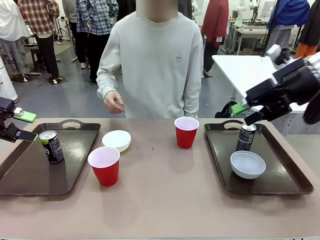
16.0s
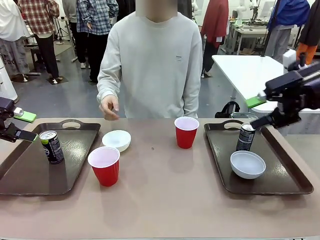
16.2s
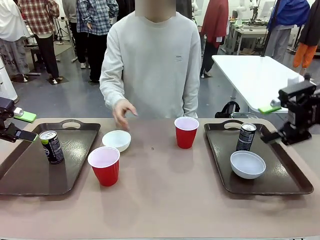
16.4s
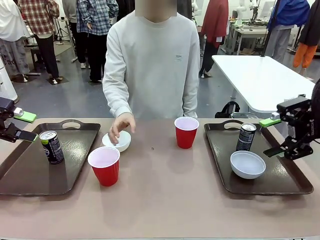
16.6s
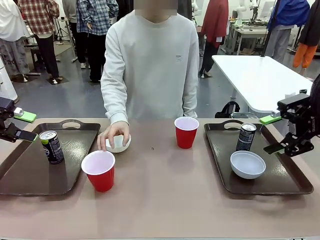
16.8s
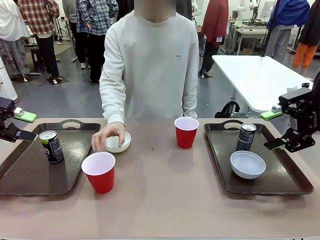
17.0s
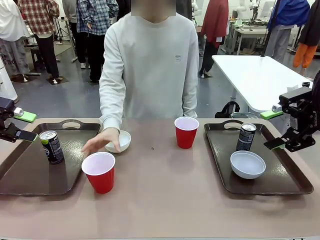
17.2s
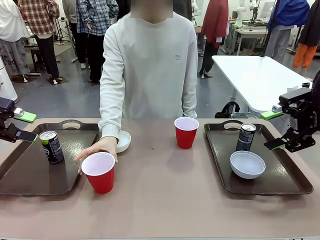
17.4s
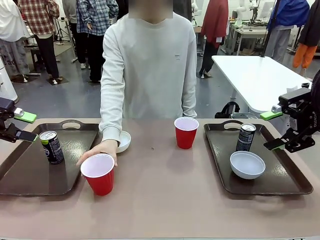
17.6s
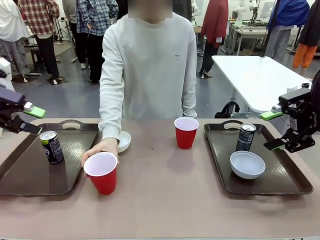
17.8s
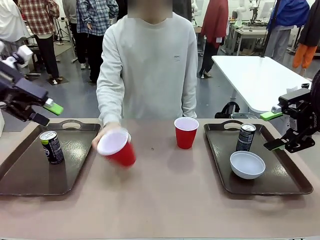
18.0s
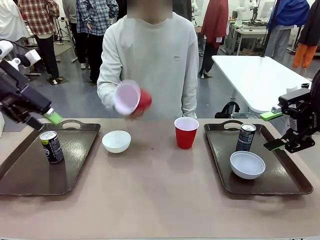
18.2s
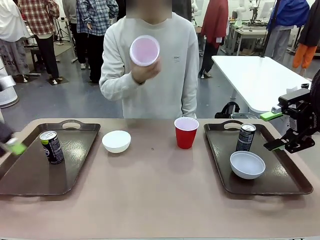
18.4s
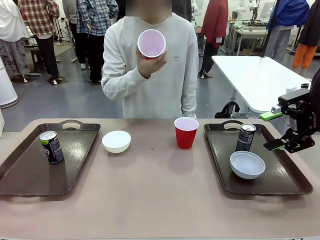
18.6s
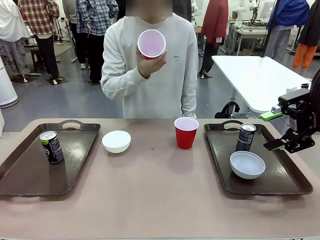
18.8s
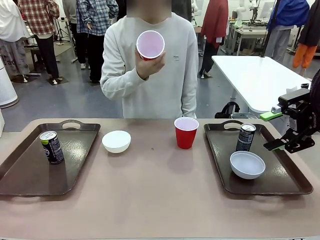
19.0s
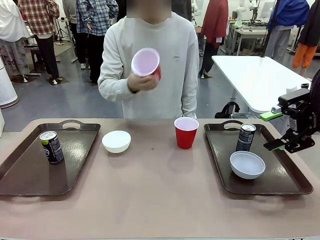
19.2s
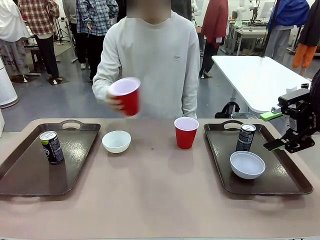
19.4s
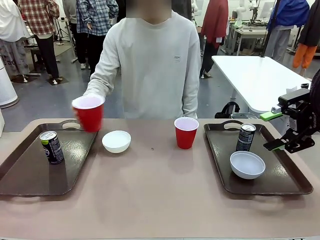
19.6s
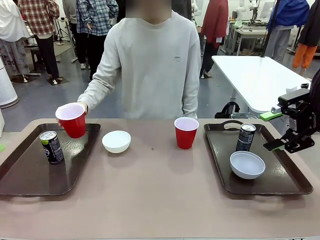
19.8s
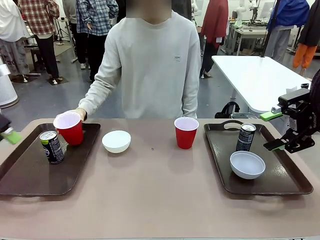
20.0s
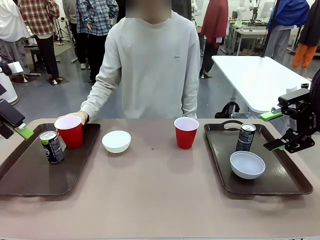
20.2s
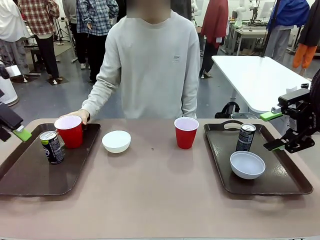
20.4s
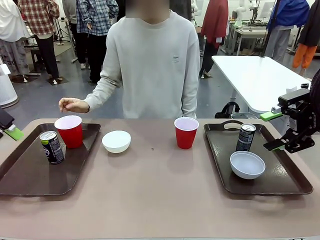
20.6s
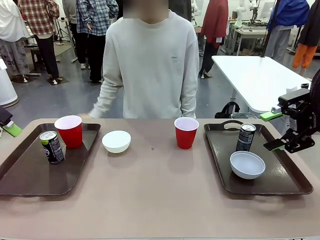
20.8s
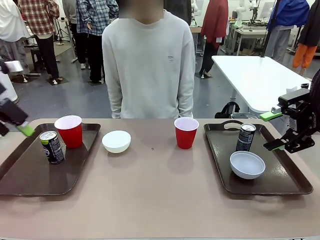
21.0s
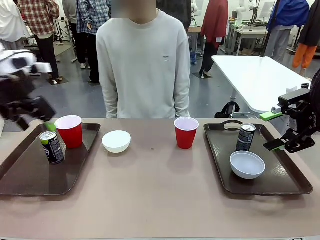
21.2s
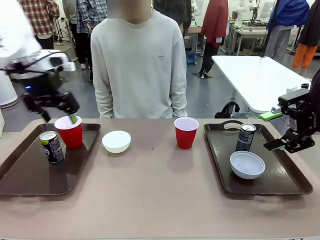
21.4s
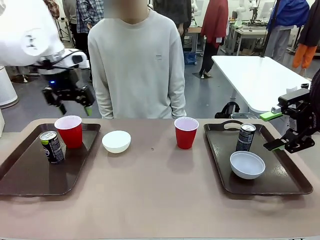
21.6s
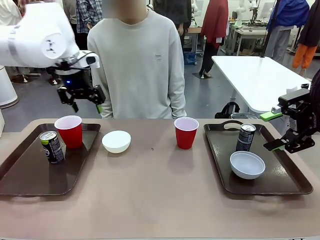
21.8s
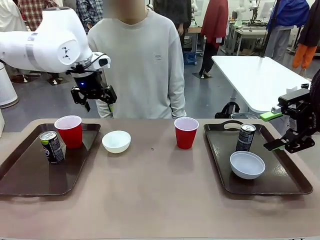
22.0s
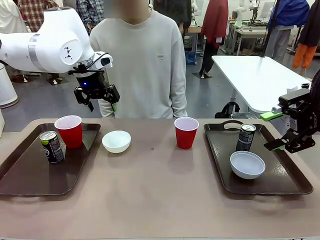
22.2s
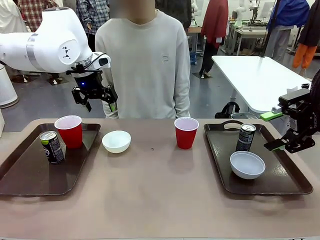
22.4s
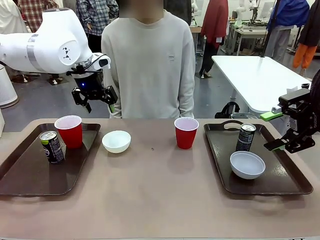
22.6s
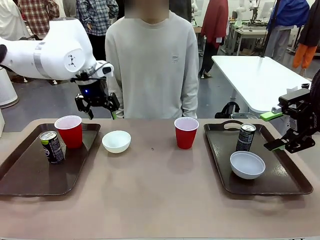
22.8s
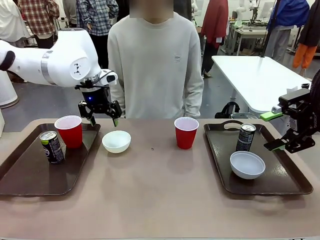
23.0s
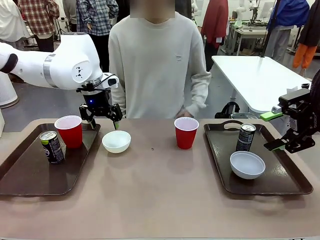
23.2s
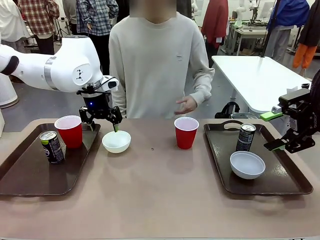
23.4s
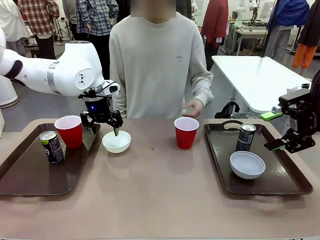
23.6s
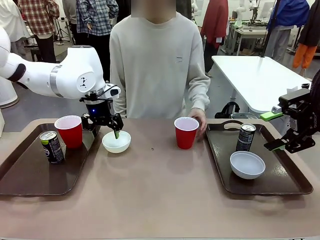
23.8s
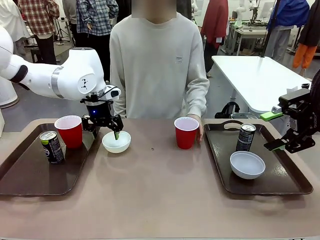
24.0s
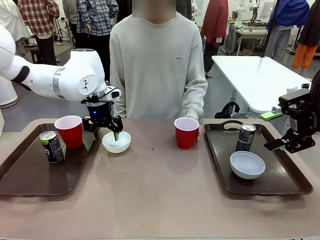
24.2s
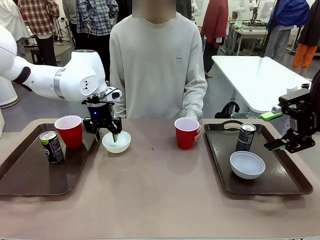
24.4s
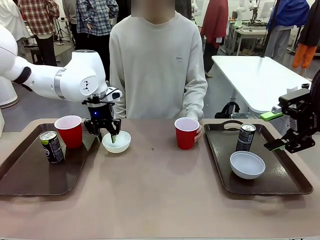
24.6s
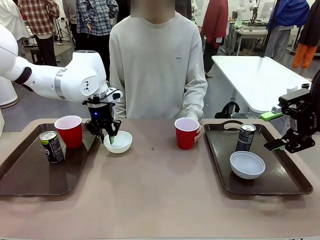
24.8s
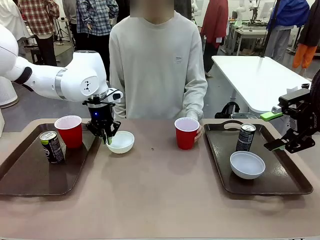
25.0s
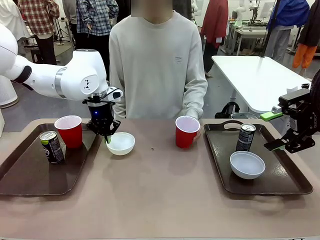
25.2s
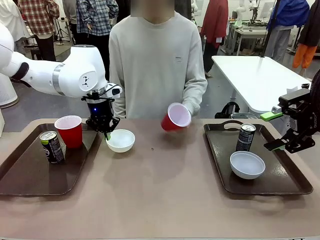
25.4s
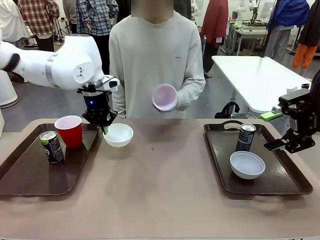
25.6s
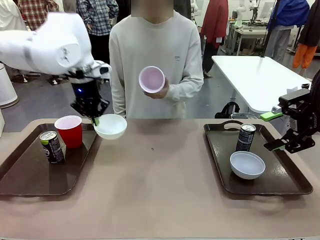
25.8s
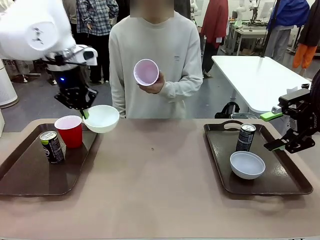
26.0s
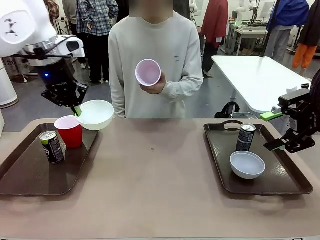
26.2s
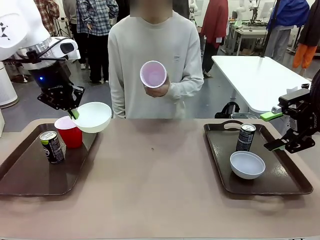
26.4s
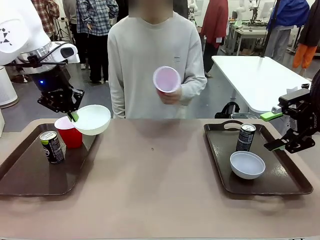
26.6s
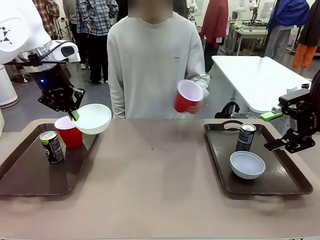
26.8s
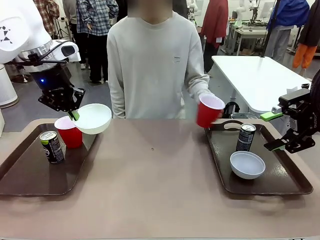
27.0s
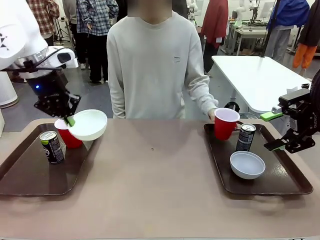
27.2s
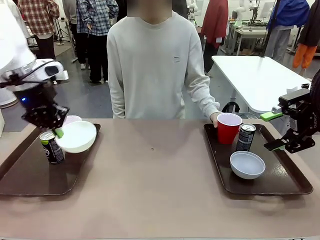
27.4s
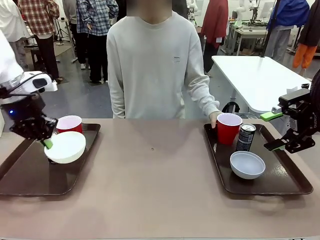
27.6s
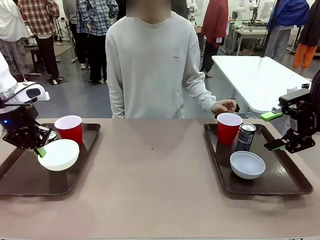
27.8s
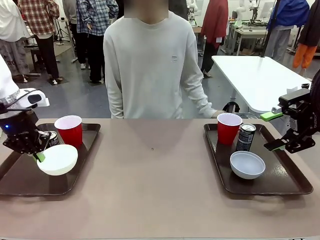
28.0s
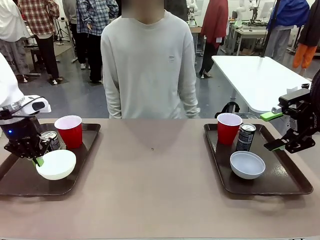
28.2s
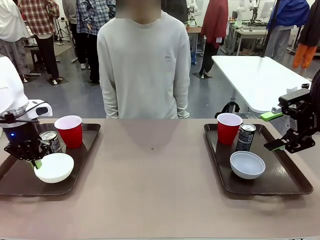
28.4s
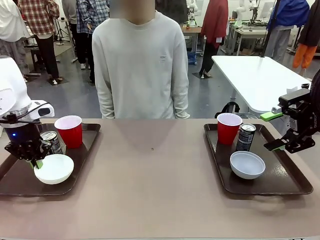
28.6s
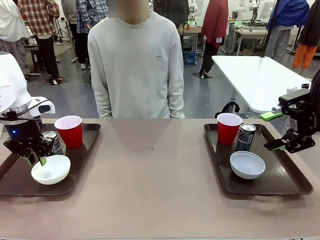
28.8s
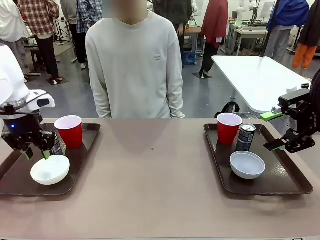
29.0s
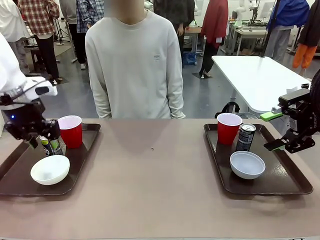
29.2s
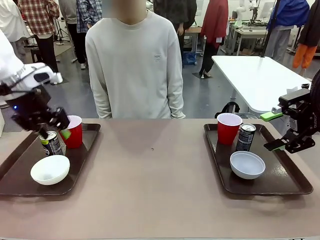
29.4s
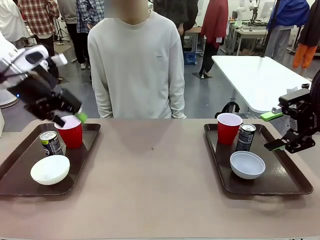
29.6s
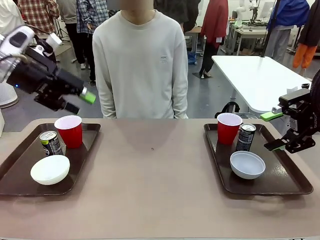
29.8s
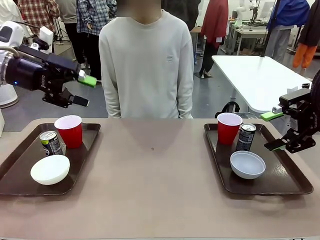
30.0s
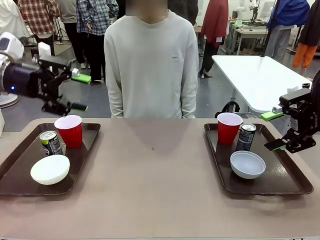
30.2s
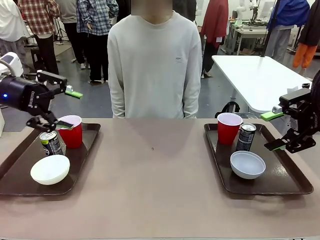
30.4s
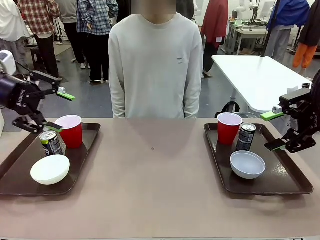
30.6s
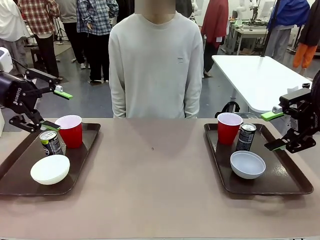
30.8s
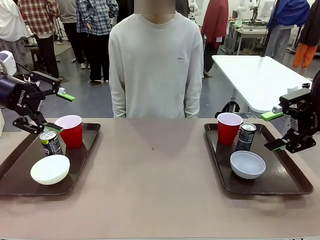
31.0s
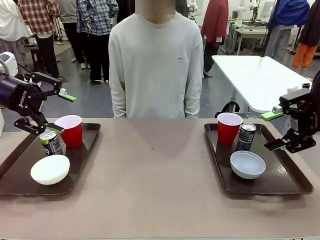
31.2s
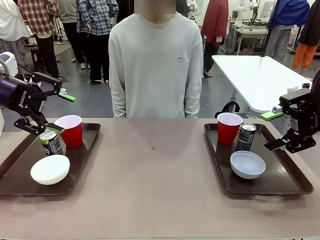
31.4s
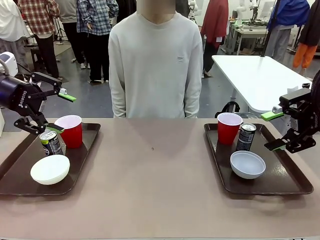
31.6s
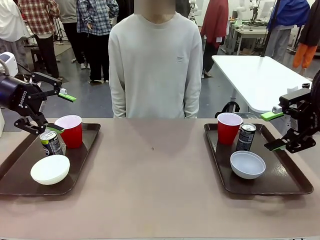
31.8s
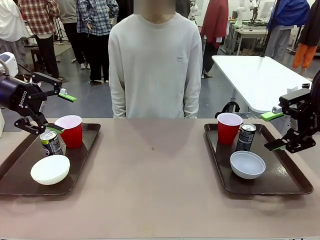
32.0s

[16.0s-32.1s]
Task: Prepare tableware on both trays.
Robot: Pick up a Picnic Bowl from the table and place it on a Handle tray.
Person: Pick up a can or cup and place it on the tray without a can or cup.
